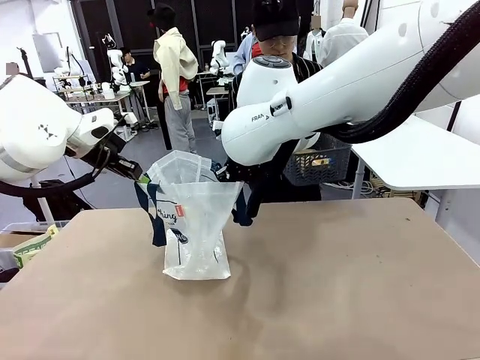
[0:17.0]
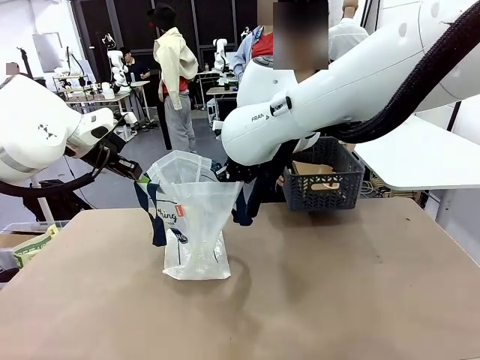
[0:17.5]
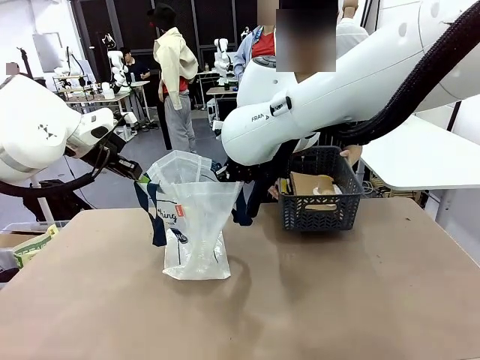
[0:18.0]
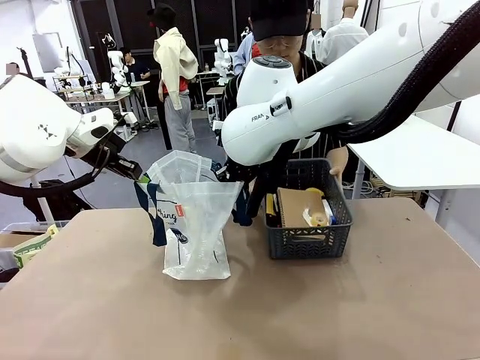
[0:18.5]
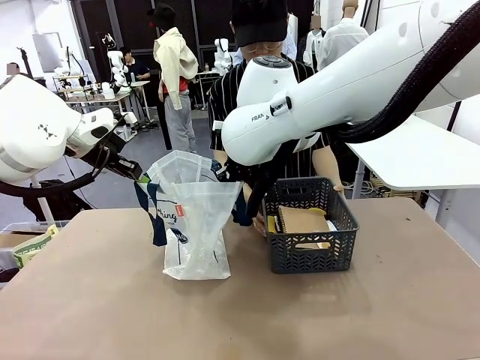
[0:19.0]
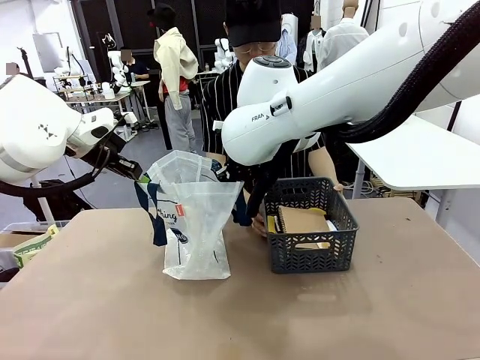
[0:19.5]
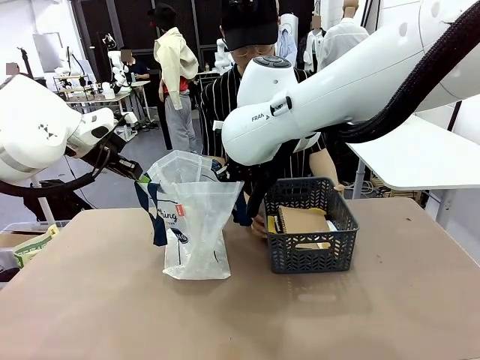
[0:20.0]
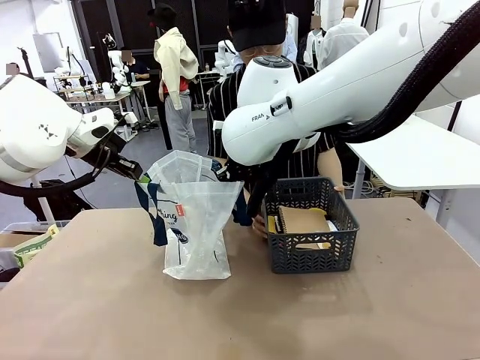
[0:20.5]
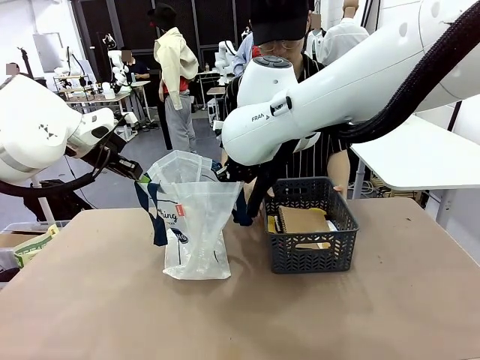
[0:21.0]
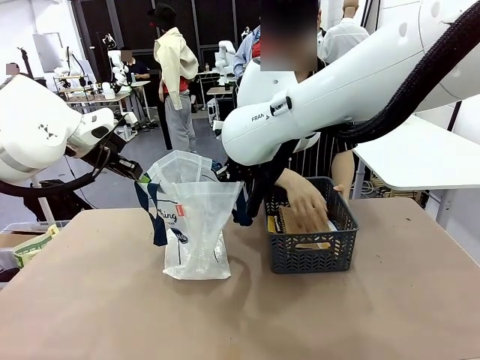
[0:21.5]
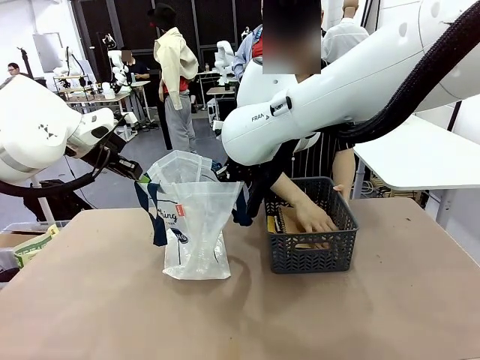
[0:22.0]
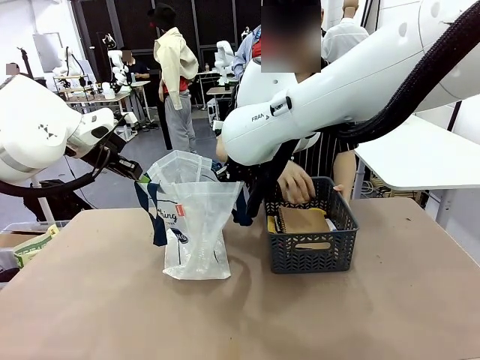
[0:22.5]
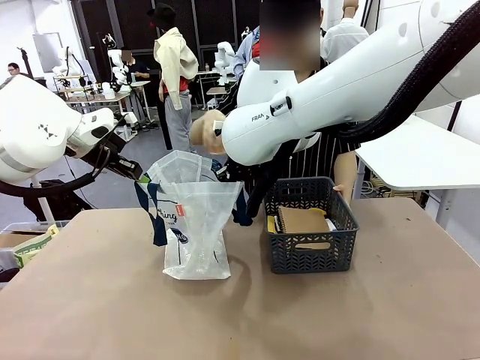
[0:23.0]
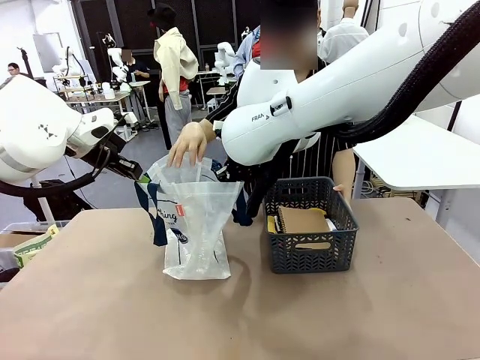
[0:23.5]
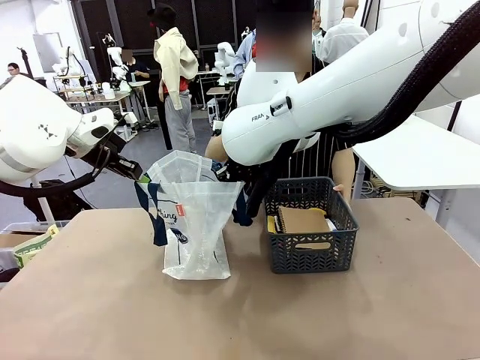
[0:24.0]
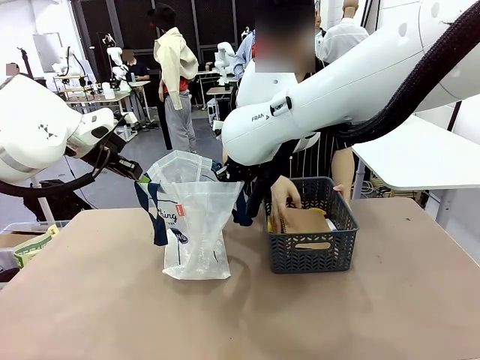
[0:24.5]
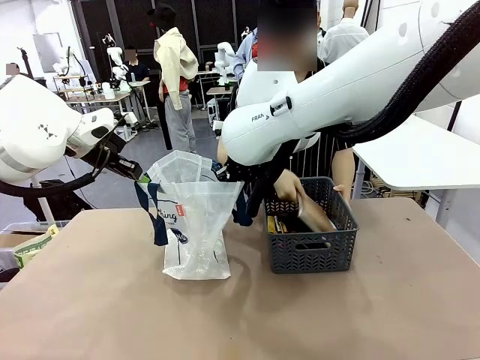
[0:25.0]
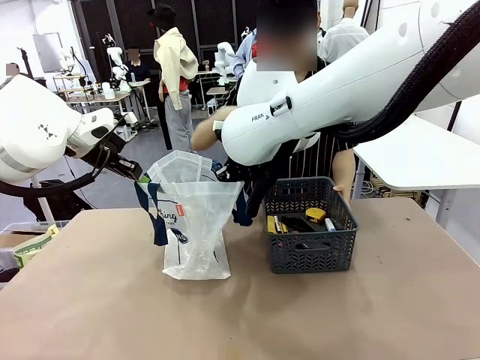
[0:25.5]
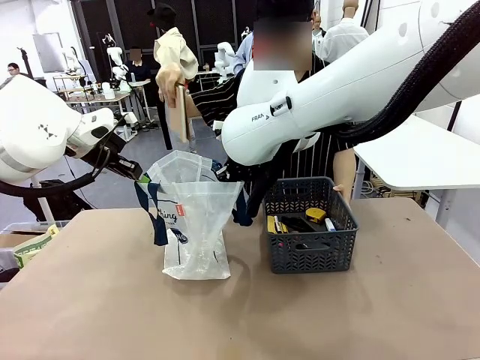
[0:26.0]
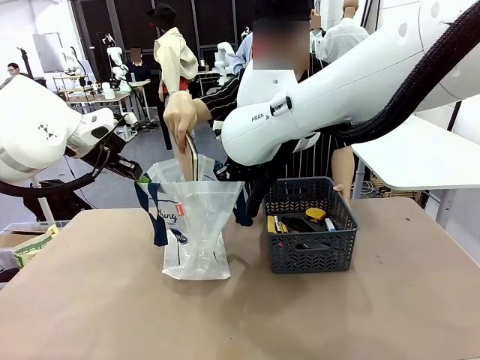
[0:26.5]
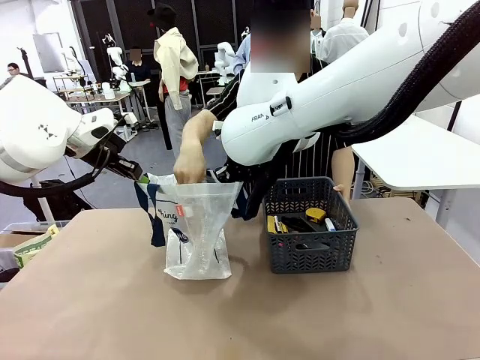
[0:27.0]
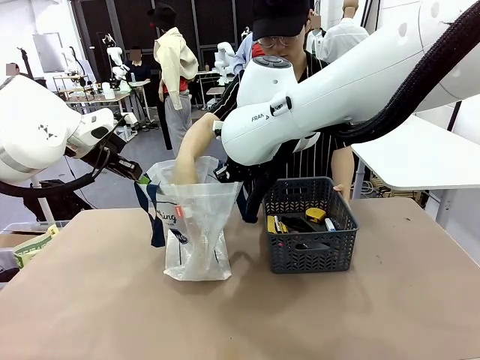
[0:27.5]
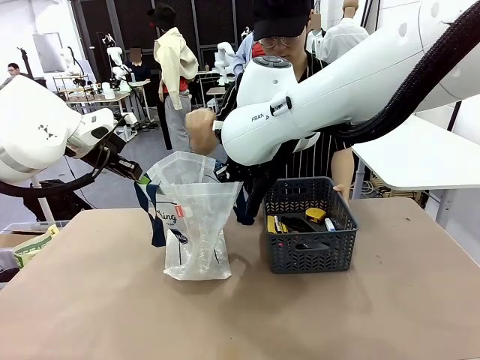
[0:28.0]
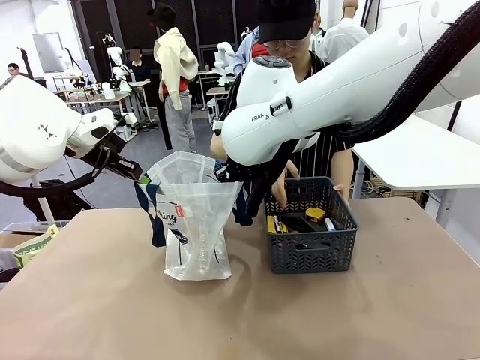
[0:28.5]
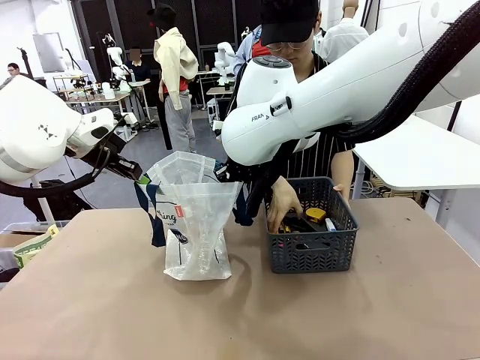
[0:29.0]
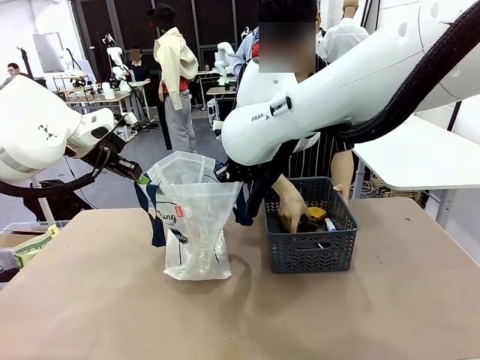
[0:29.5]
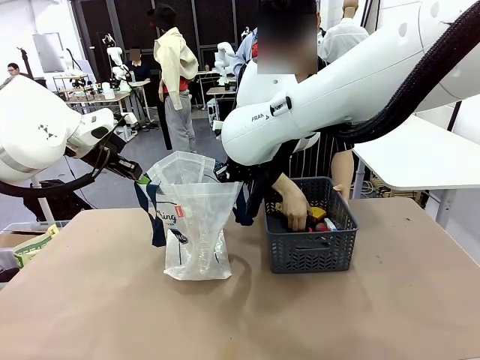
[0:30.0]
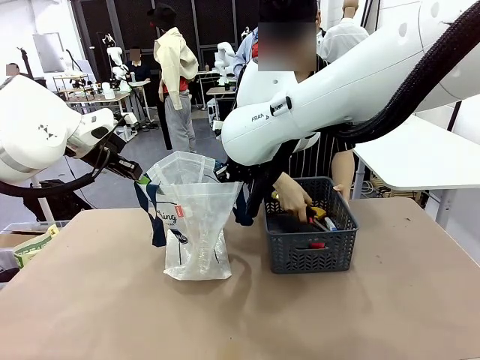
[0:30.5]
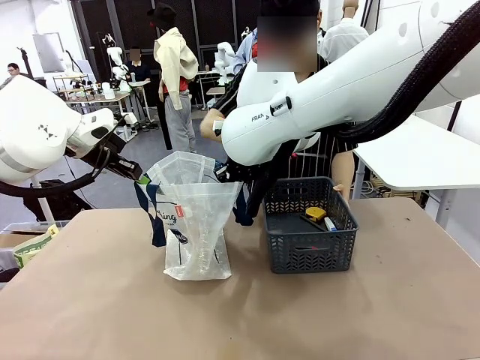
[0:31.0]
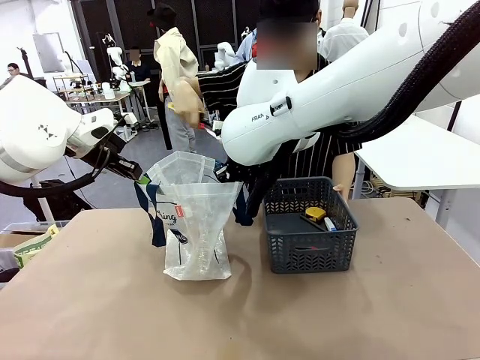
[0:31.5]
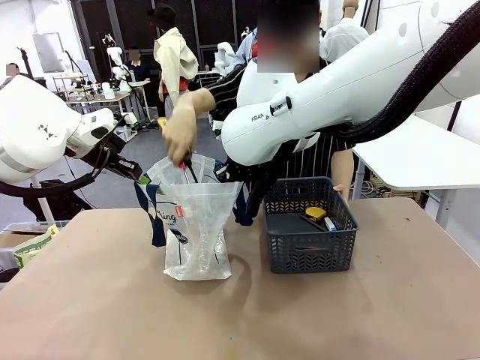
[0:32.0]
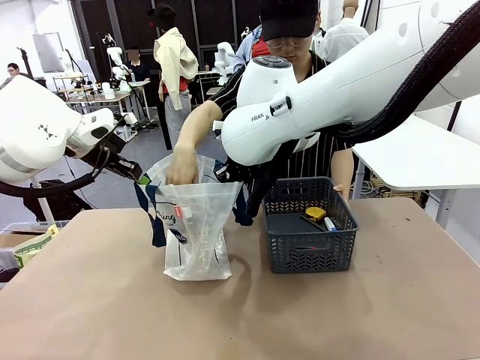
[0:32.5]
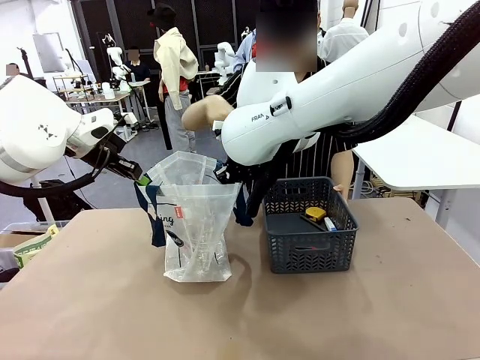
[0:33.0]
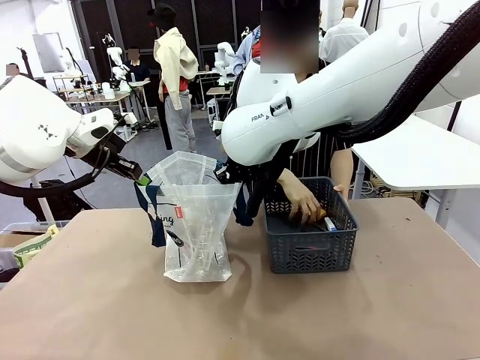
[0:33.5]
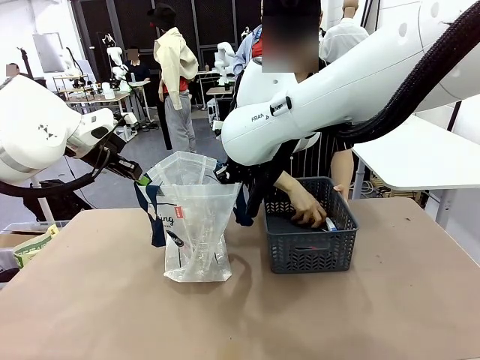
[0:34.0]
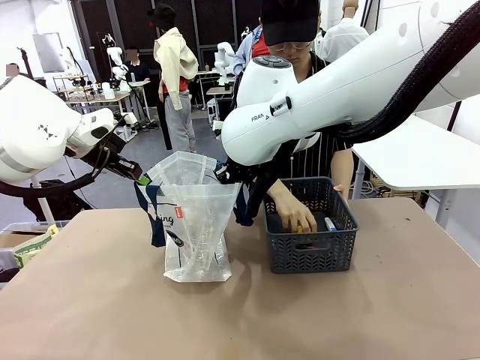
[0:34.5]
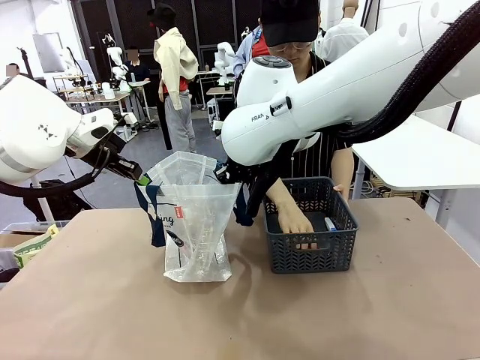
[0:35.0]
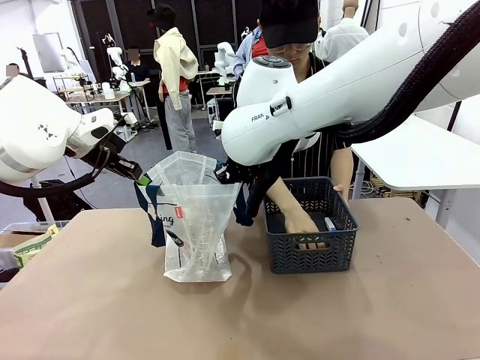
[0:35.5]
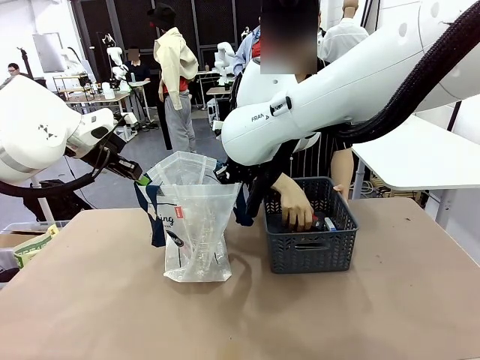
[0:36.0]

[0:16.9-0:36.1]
Task: Transfer purchased items from the store into the shopping bag.
Robot: Move the Reusable shopping bag to the right side of the table.
Person: Pick up the basket with the items out and place it on the right side of the human table.
